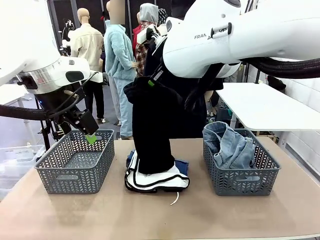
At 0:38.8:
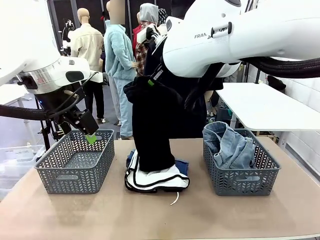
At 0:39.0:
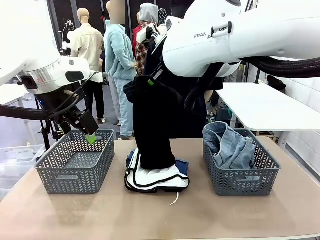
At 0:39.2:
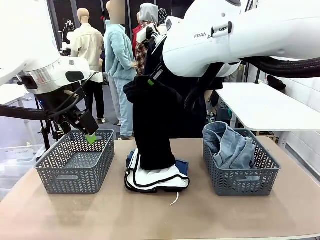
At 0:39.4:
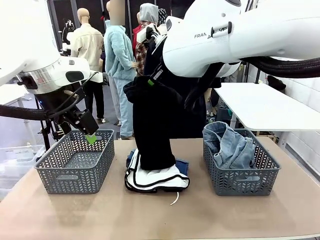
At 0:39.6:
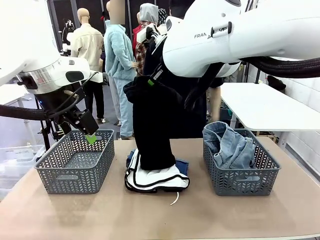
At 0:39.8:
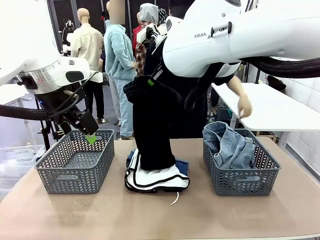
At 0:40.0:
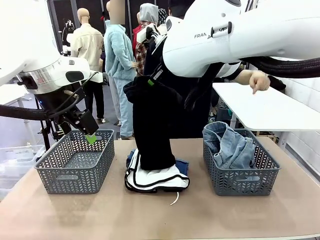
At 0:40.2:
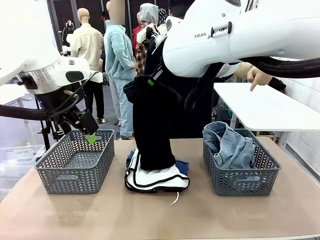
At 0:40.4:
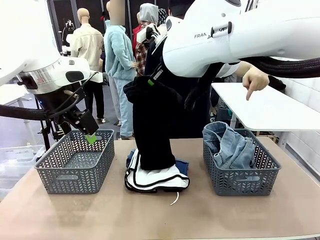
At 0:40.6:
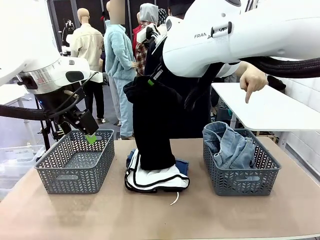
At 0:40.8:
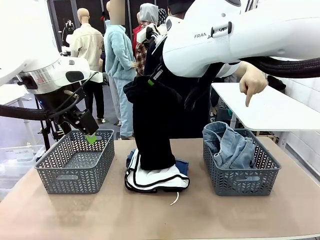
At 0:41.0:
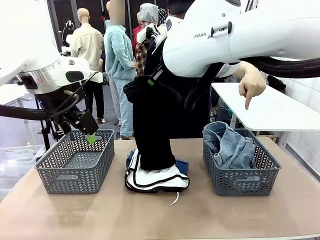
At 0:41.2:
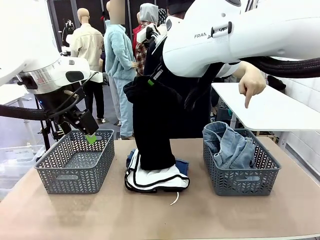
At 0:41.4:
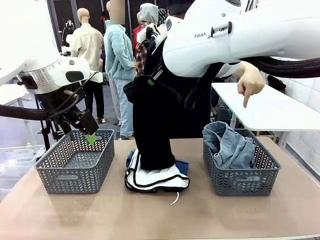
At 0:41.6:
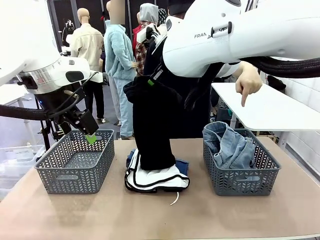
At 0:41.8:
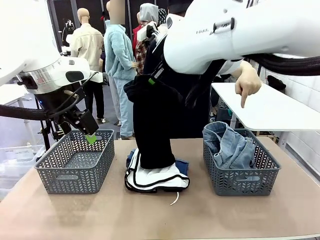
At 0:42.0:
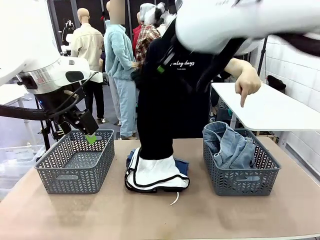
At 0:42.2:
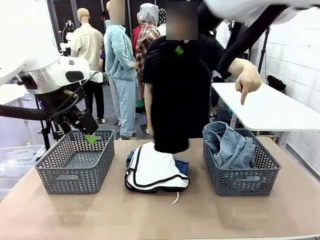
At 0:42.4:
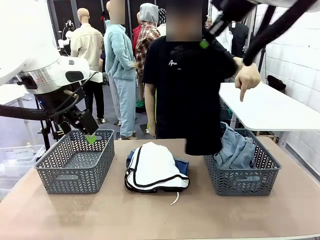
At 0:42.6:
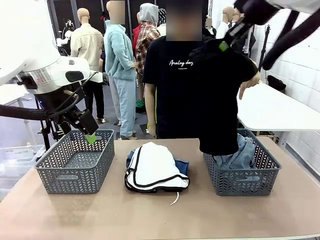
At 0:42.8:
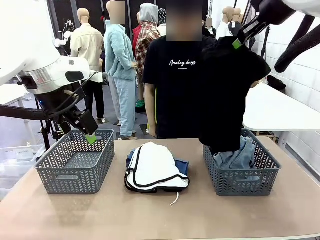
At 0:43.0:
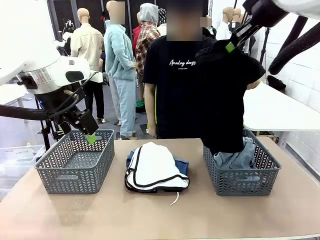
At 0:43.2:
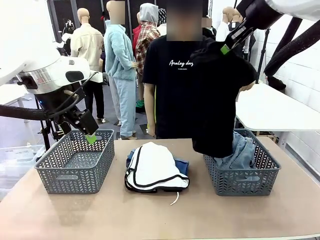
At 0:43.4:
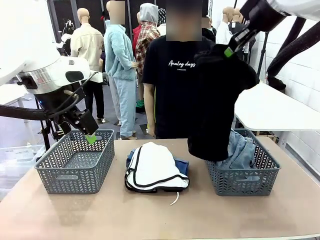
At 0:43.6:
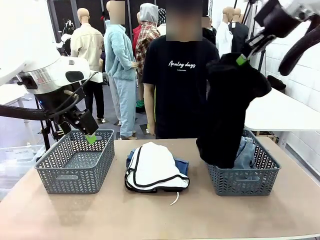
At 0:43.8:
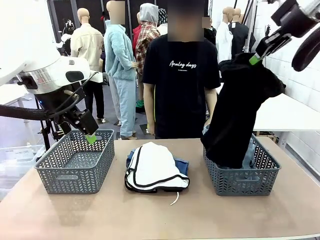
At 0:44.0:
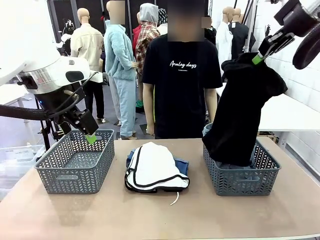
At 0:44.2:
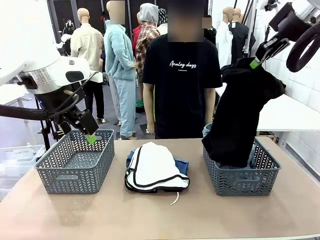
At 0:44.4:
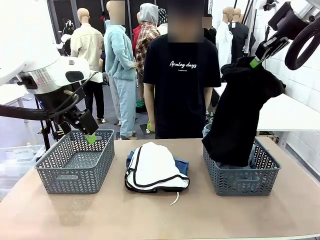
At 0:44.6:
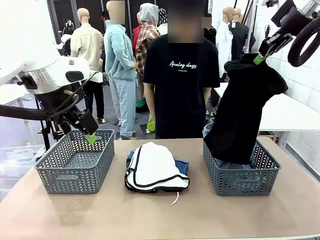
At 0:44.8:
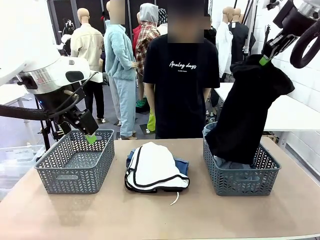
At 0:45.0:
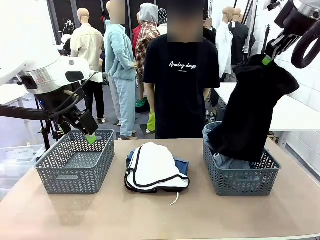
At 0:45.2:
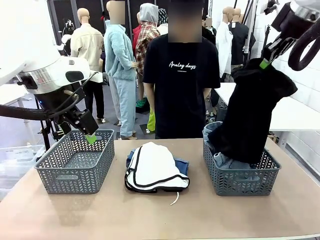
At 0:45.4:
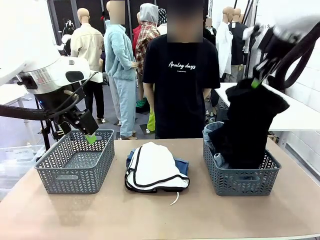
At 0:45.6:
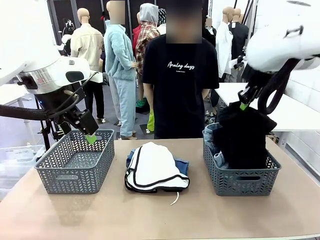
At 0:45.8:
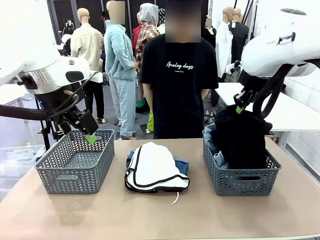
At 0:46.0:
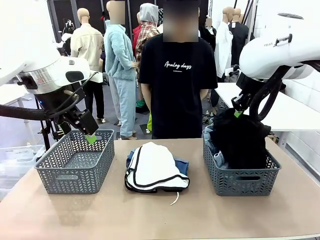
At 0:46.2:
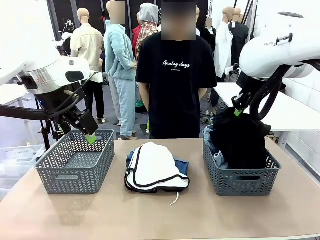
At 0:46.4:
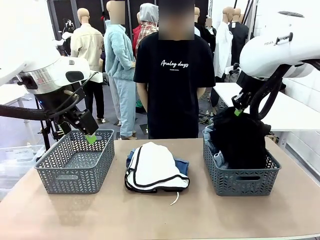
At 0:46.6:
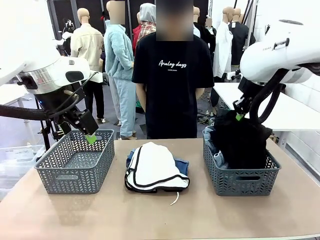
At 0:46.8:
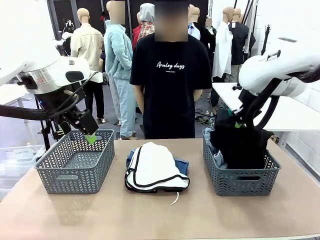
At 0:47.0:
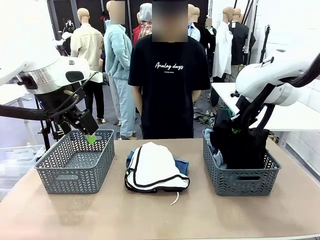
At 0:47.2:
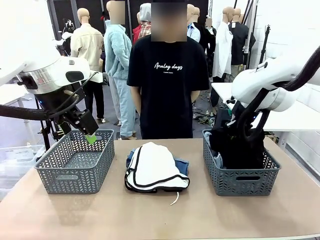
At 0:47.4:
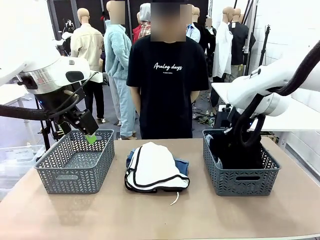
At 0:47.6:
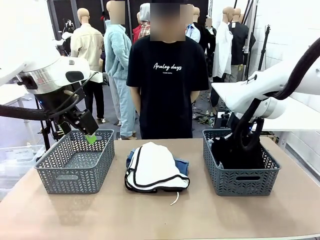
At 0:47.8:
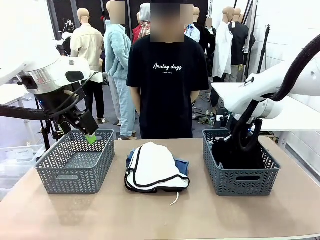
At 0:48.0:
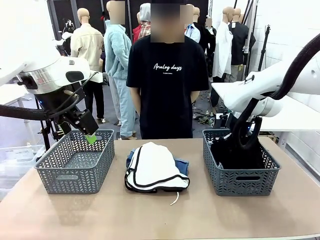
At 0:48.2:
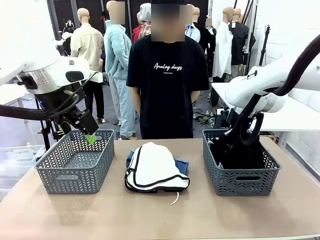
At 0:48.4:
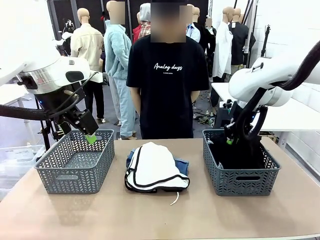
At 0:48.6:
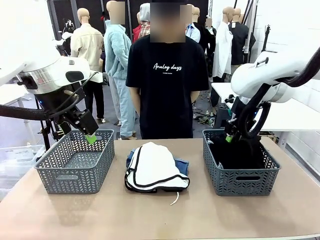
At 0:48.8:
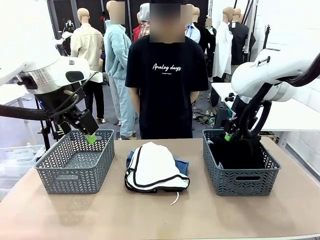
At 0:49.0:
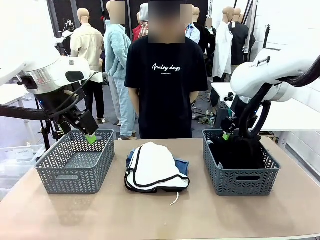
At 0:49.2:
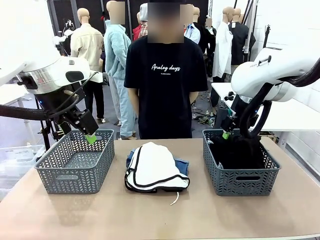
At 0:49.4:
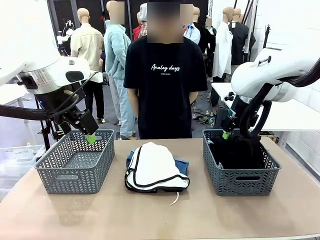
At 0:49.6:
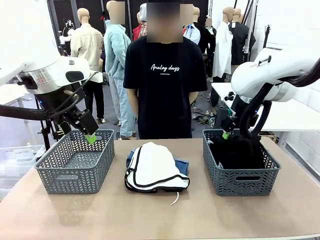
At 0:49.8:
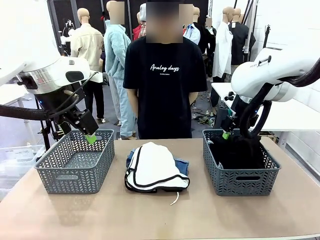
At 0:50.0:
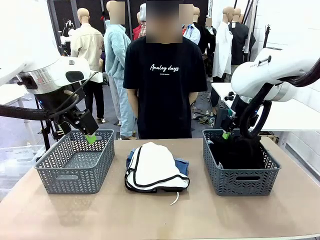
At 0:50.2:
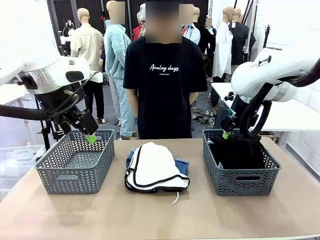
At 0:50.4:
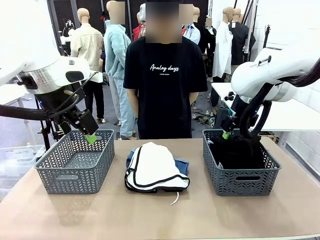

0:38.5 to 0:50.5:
Task: Sort the tops and bottoms.
Robot: Sort the clothes according to human instructions.

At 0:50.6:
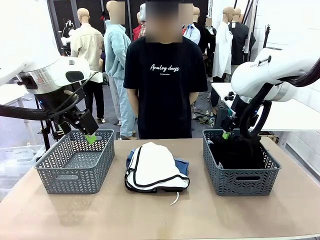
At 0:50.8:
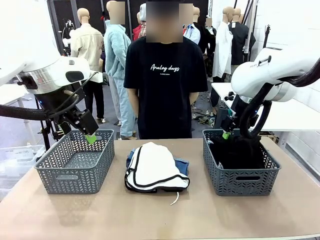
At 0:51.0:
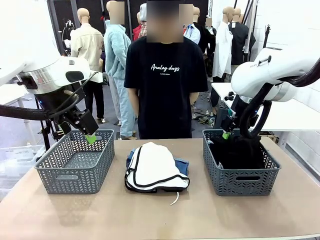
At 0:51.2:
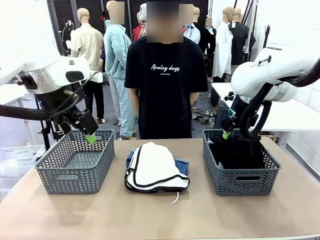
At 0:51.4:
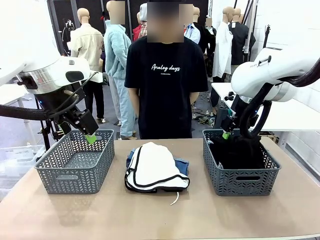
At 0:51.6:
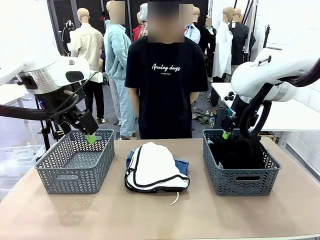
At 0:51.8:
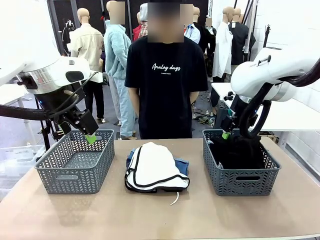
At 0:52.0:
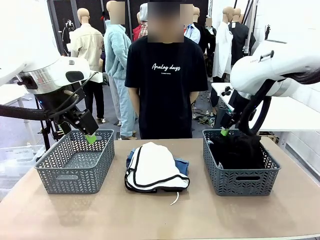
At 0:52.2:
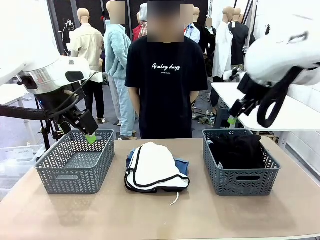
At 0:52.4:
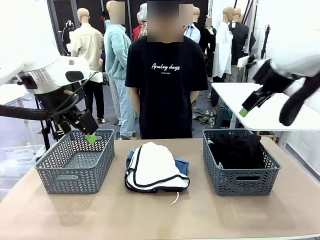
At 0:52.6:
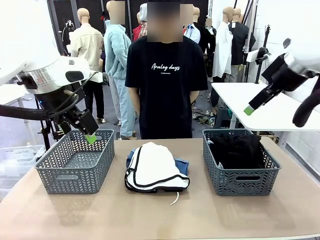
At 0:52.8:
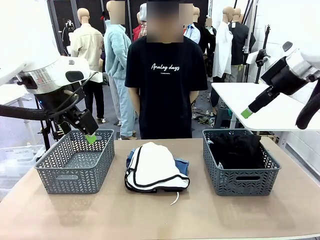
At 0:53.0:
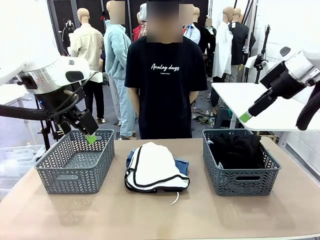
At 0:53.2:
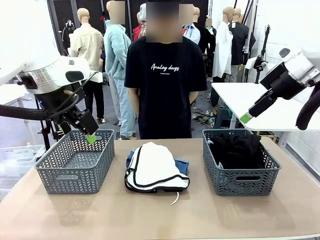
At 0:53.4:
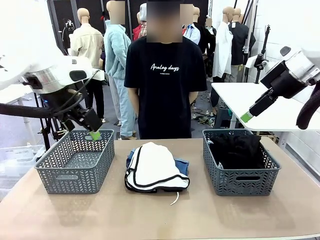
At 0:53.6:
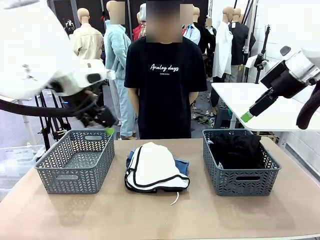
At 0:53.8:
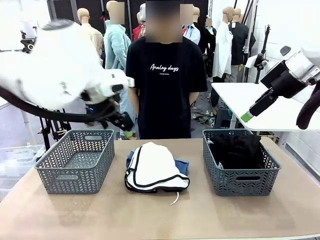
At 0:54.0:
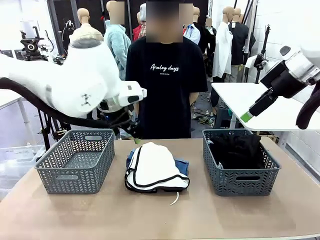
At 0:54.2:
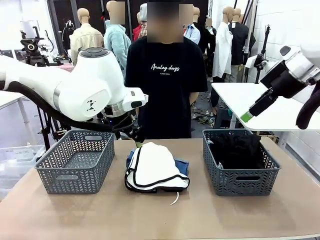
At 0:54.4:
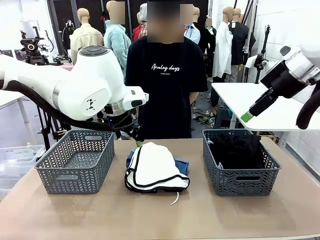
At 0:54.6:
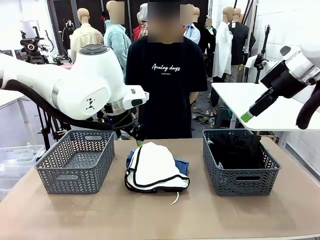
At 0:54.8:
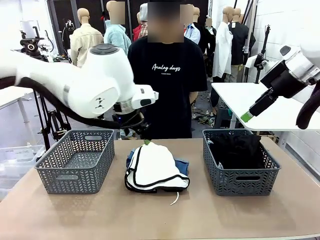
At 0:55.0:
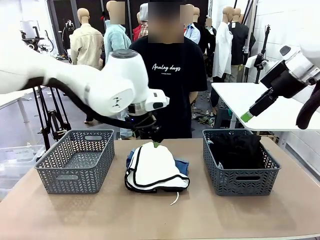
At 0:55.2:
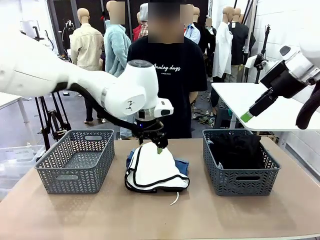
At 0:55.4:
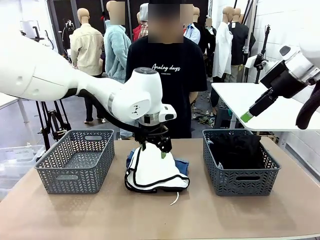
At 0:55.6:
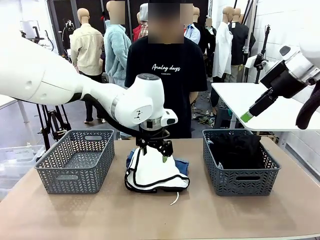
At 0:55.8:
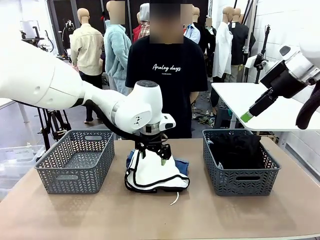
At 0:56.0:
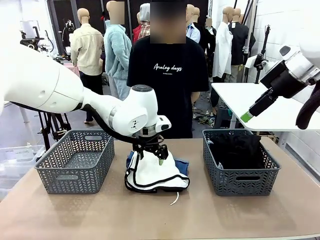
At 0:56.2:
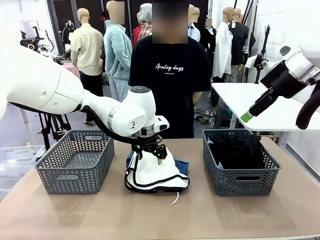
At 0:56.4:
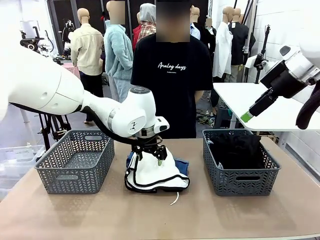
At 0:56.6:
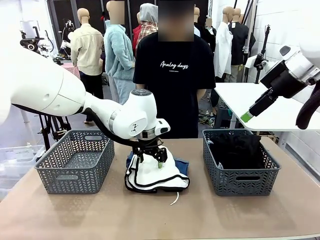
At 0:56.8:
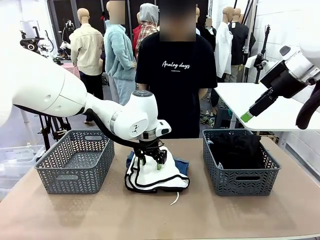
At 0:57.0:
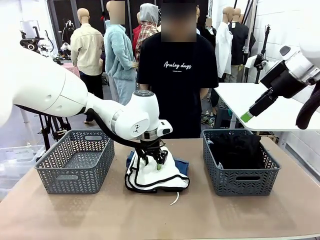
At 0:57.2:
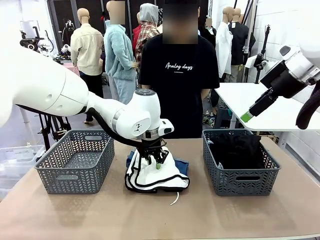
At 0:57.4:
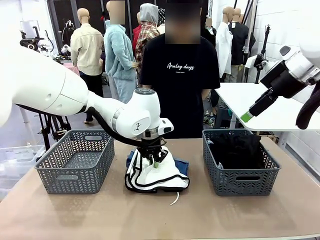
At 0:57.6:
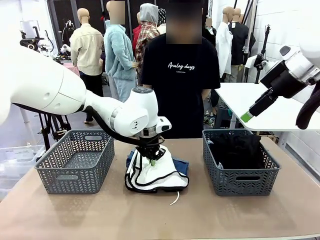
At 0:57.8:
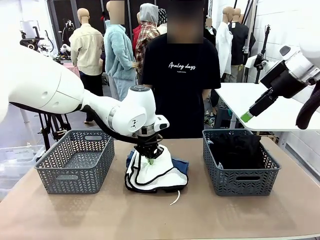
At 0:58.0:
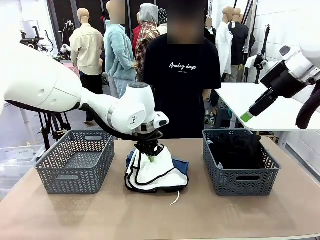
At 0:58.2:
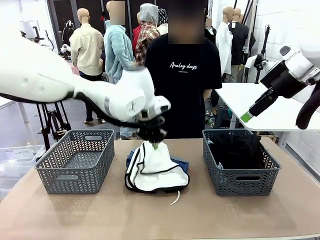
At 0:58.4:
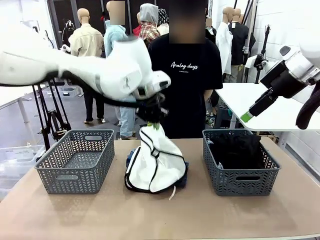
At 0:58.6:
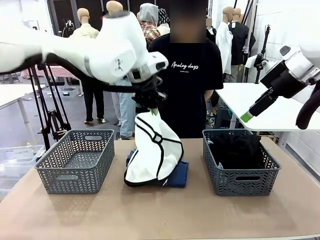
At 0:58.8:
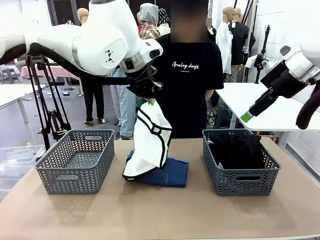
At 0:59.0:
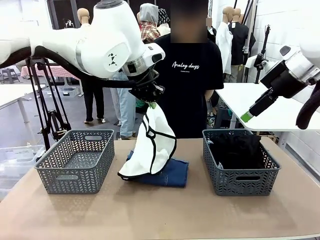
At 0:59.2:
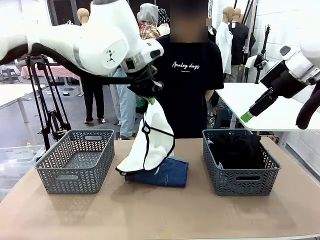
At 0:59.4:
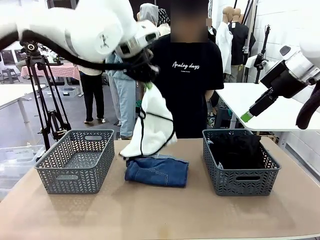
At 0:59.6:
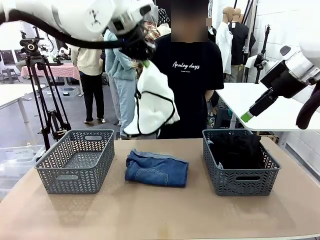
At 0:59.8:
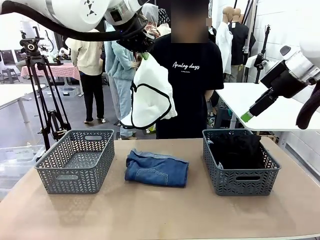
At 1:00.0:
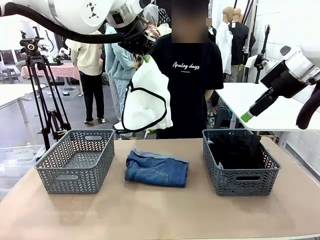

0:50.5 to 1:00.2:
Robot: Lift clothes from the center of the table with your left hand.
